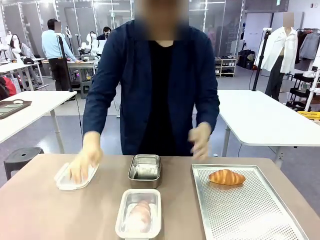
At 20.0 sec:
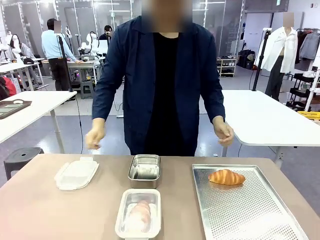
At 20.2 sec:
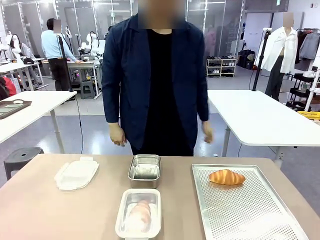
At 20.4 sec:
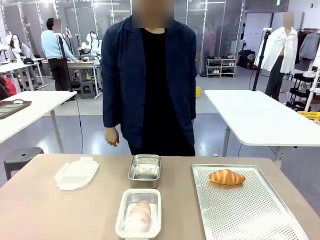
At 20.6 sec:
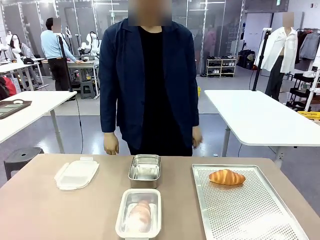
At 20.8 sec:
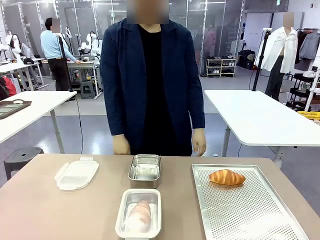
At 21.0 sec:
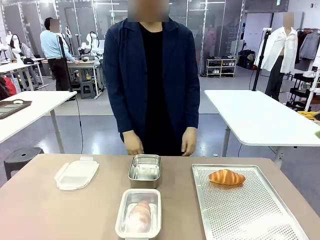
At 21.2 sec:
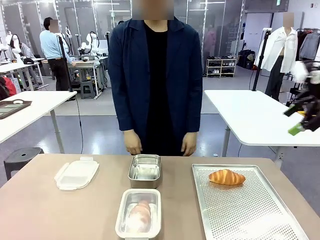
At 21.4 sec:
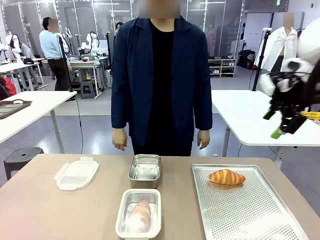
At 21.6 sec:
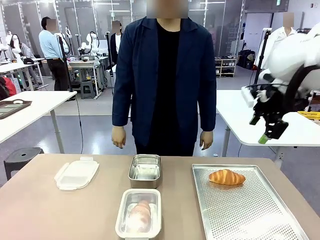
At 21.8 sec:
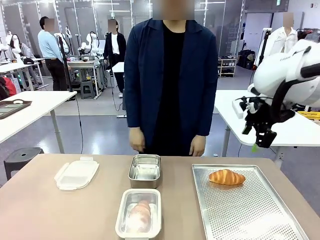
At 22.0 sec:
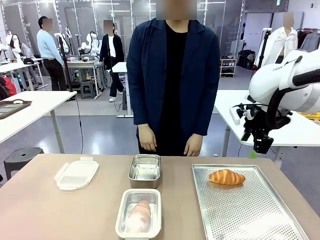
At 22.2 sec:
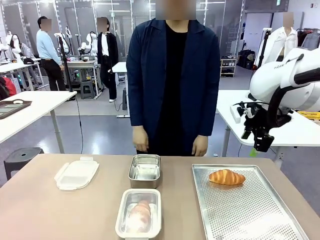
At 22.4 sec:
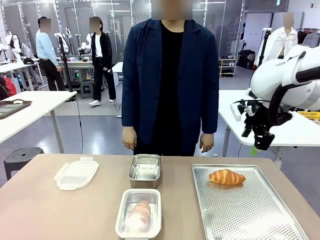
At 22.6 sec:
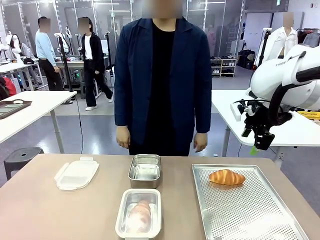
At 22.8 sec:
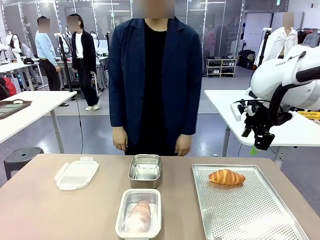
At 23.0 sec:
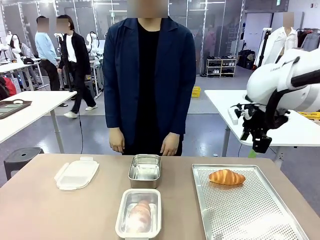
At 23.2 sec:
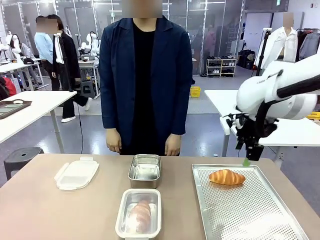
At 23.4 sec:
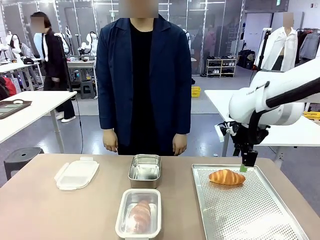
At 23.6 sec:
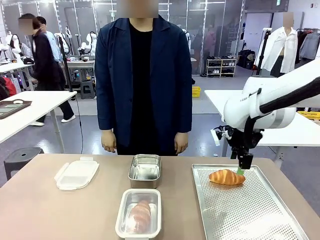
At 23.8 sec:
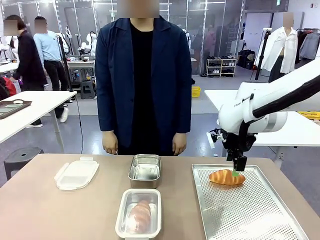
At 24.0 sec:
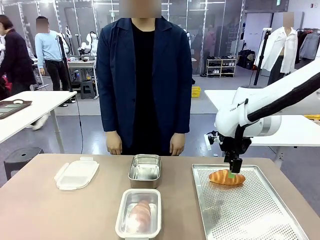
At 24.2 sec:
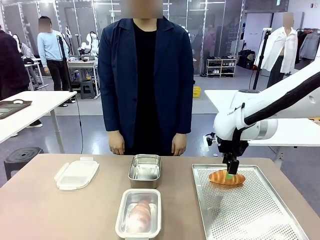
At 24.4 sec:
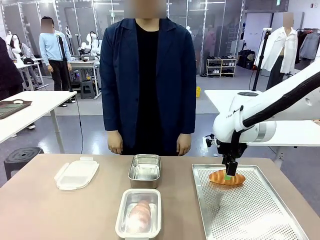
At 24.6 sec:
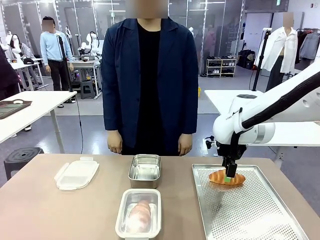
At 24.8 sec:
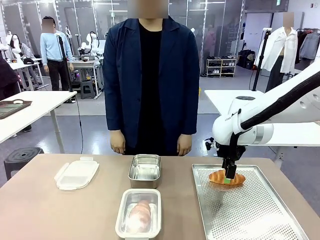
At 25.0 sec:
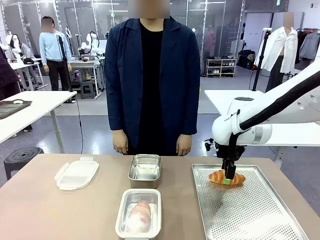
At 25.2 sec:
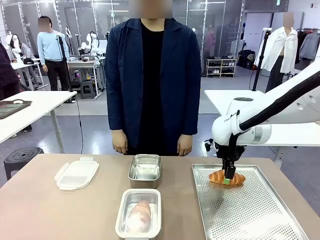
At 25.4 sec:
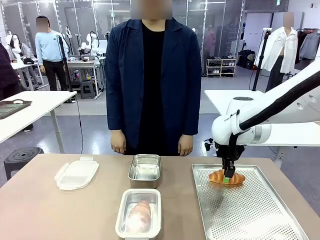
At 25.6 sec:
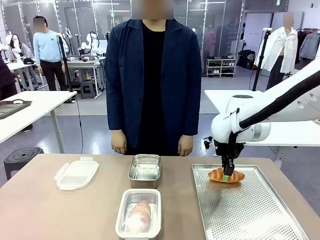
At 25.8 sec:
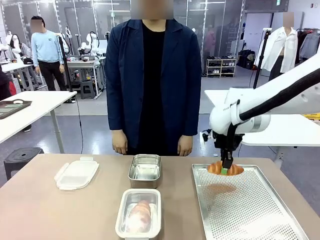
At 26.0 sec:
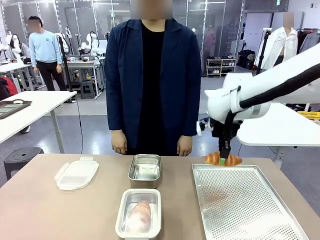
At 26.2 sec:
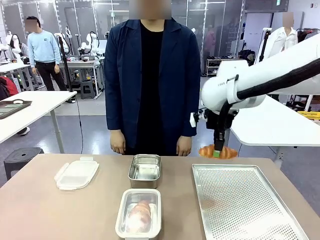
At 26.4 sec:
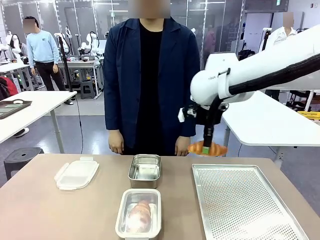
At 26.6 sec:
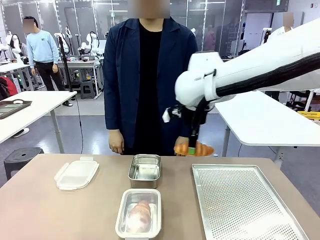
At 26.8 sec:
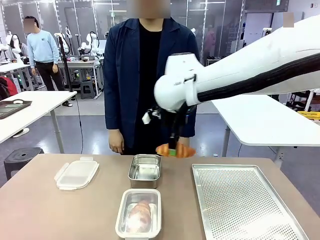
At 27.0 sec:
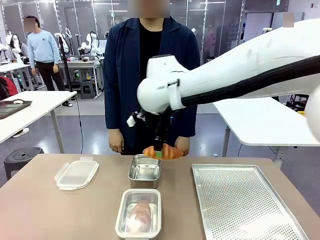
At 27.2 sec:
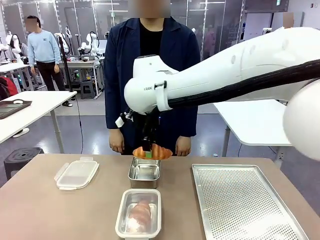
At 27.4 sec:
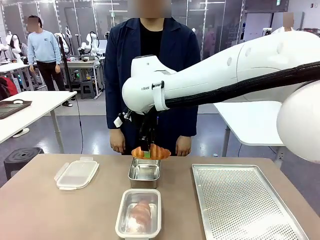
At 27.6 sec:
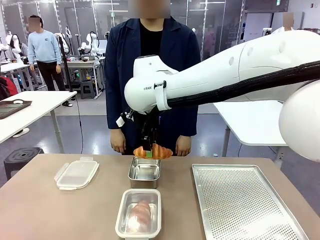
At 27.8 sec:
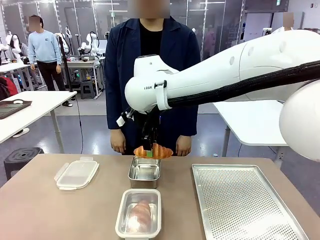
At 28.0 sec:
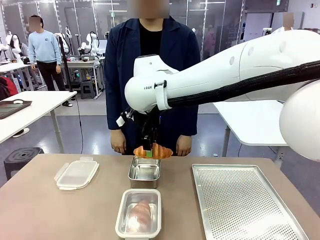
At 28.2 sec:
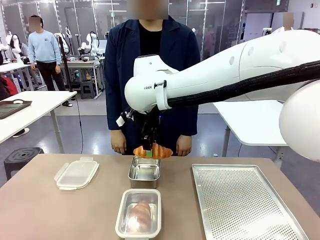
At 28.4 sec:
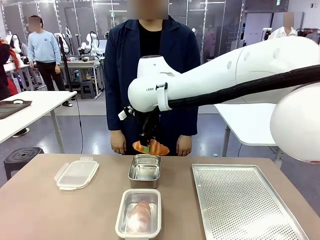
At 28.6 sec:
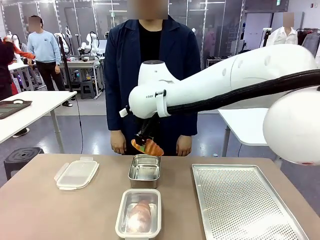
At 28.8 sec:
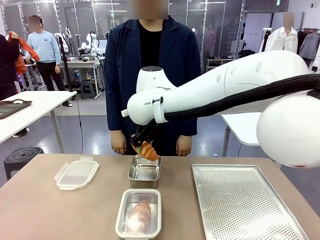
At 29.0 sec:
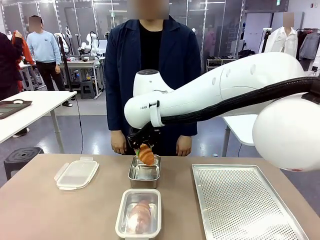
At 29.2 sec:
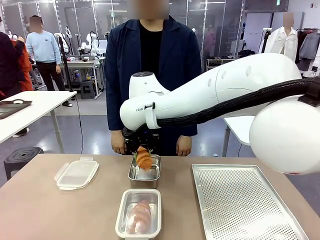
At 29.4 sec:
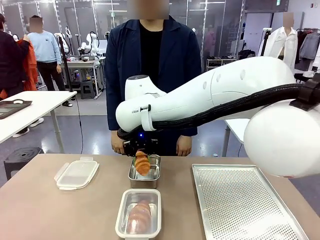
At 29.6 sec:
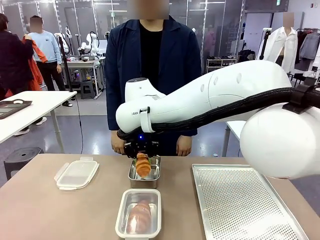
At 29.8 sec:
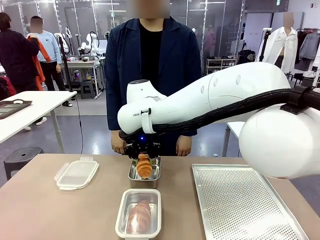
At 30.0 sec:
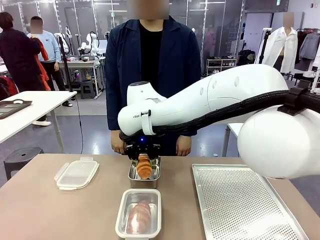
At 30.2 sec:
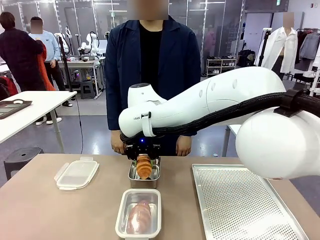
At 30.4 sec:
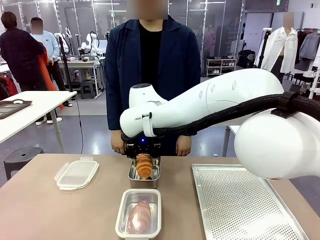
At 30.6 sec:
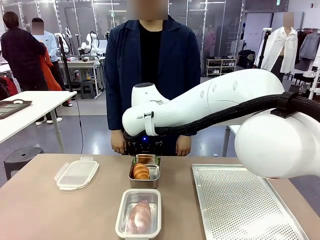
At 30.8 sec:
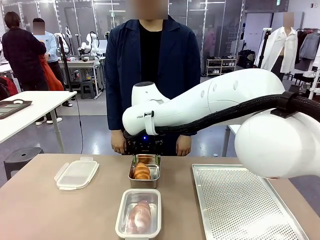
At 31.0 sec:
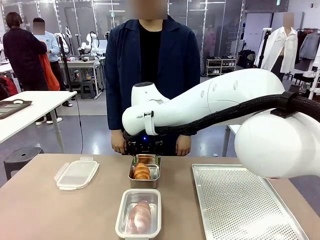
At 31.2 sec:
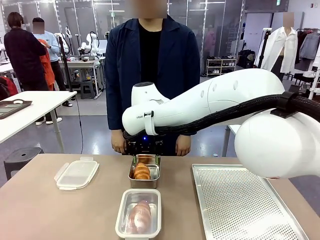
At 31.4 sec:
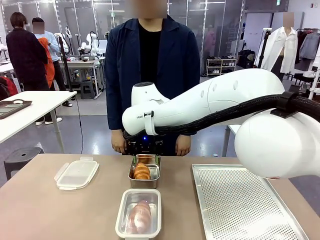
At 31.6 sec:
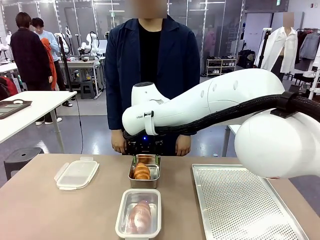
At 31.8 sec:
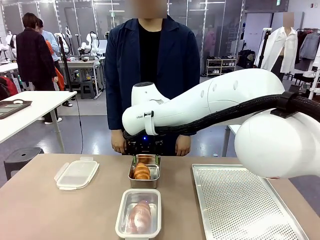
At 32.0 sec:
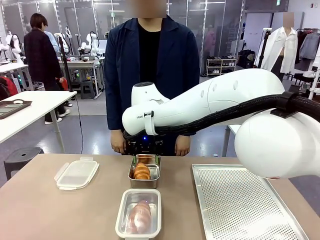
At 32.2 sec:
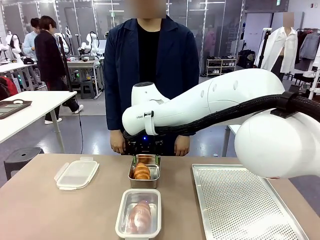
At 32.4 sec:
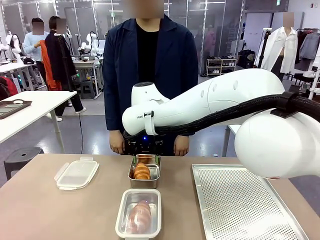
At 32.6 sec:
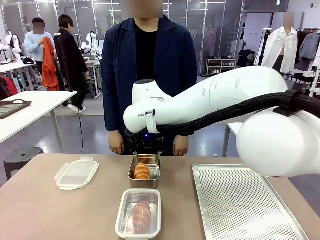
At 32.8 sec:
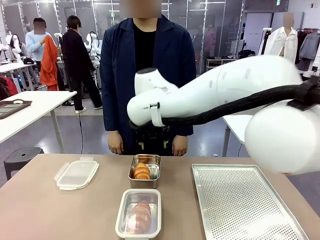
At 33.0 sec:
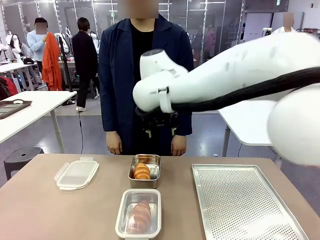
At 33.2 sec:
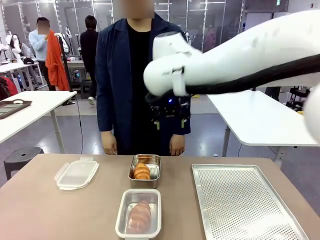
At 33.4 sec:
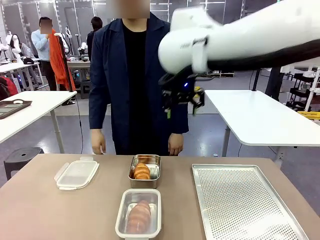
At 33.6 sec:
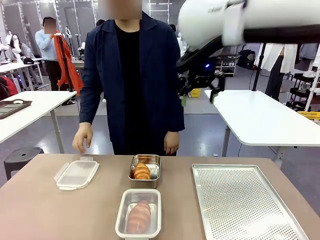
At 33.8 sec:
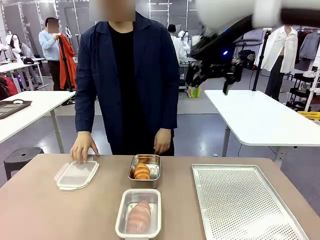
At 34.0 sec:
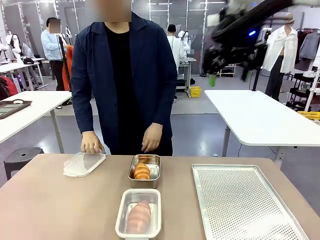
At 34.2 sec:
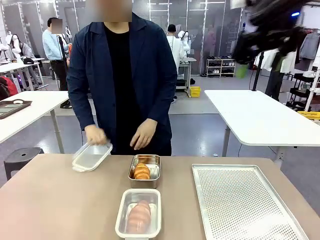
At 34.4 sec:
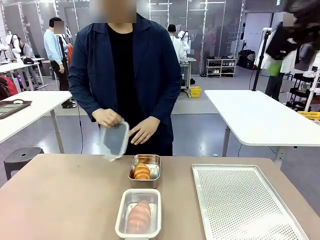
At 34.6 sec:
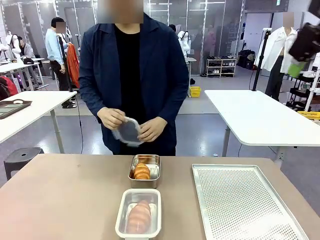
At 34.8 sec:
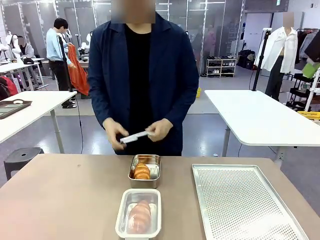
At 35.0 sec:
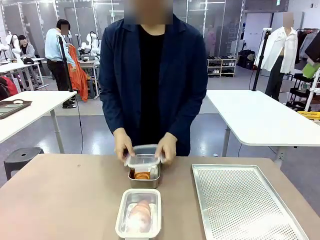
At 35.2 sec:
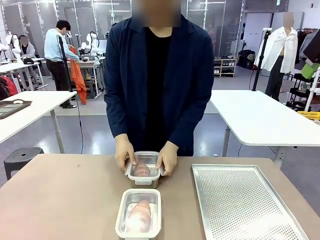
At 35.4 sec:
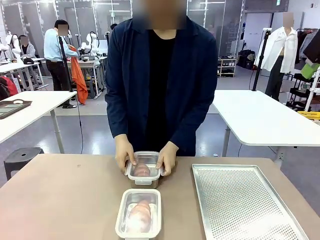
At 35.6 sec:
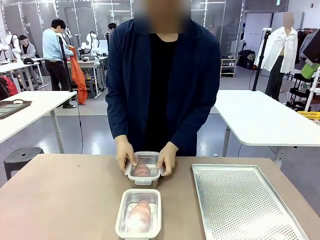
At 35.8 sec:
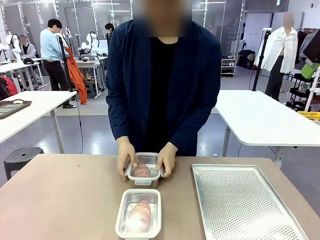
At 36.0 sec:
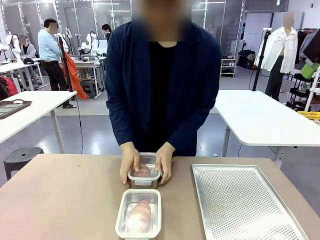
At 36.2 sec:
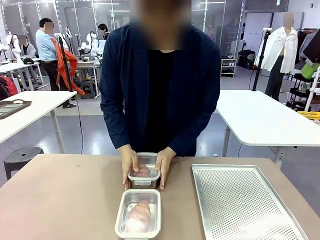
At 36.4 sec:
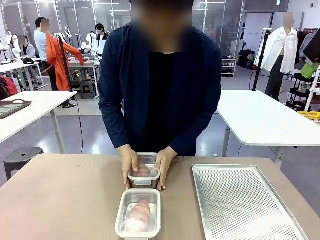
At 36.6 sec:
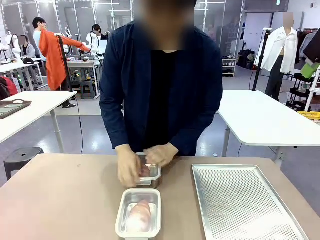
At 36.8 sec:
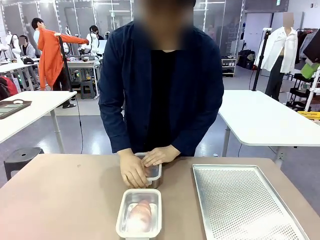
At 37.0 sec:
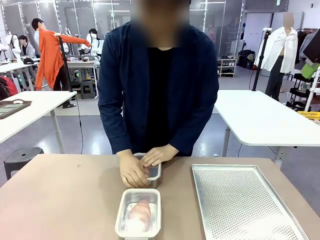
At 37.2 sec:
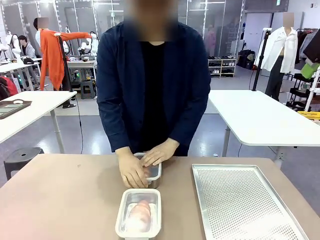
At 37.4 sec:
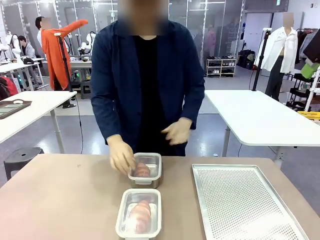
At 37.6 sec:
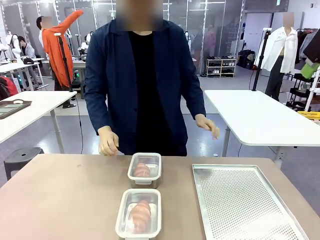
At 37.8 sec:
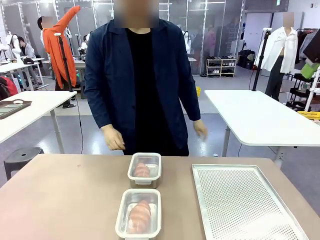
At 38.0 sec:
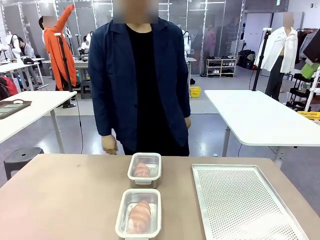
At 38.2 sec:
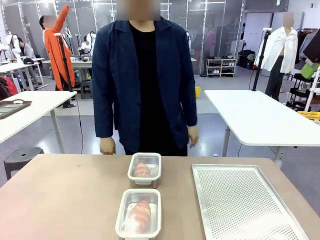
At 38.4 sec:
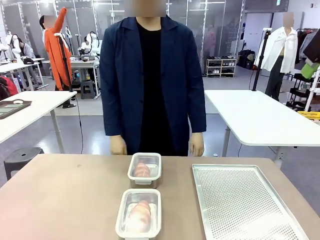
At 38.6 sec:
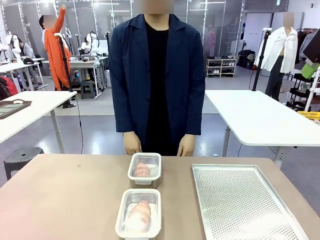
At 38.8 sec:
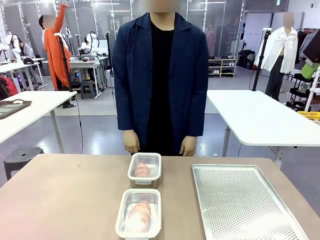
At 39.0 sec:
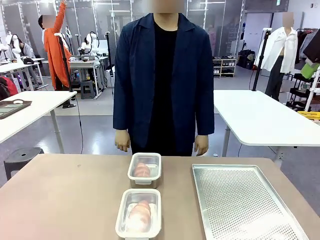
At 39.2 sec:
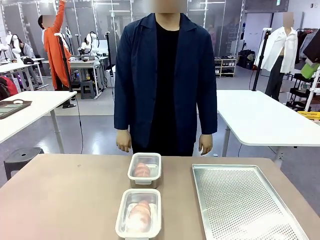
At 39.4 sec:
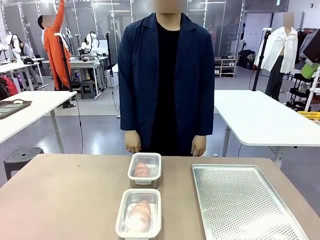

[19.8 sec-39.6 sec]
Task: Place the bread into the airtight container.
Robot: Pick up a Butter Roll and place it into an empty Airtight Container.
